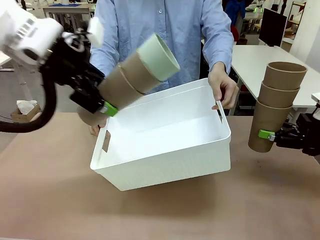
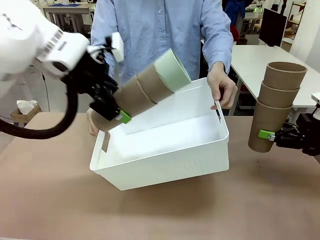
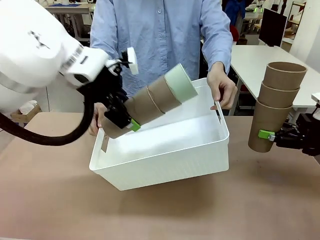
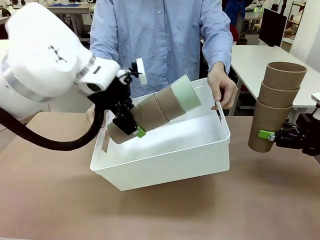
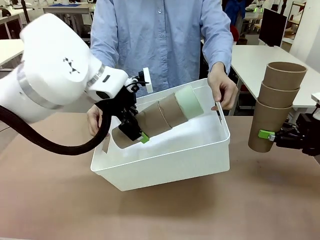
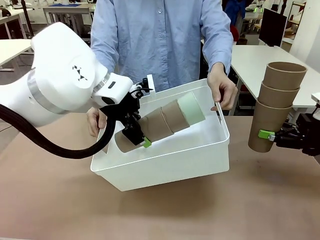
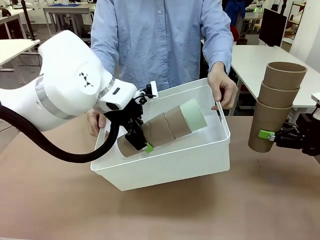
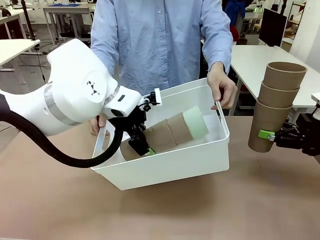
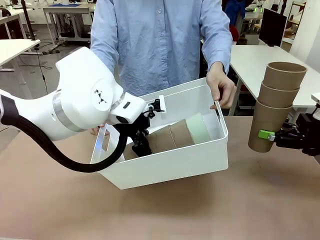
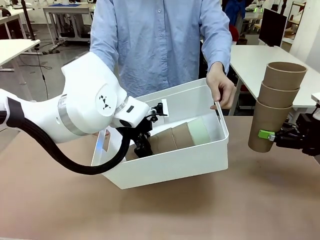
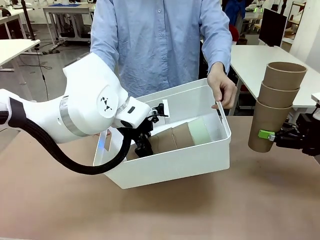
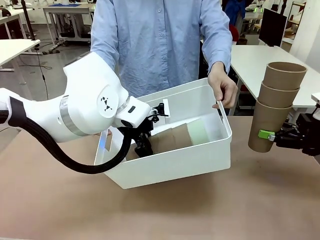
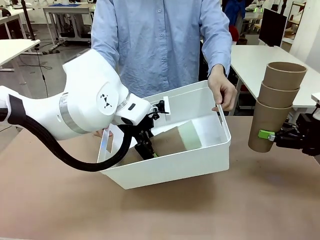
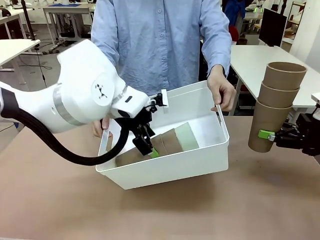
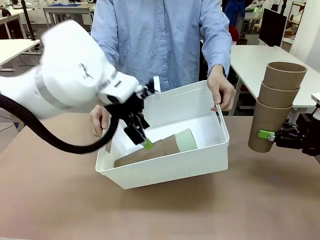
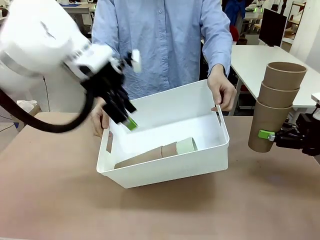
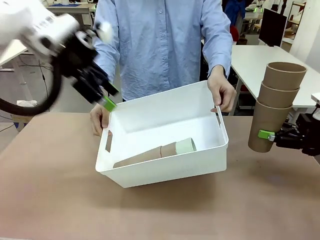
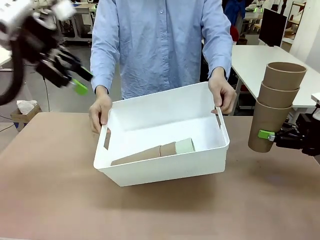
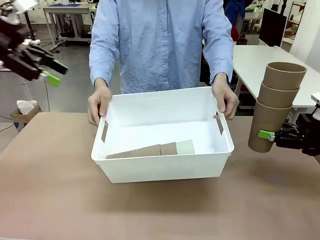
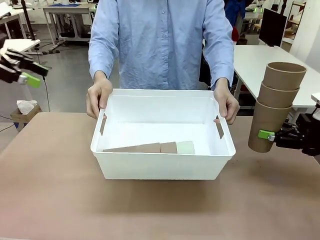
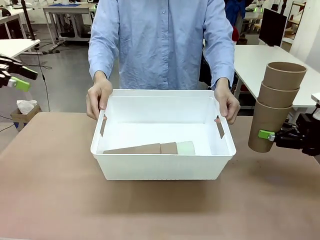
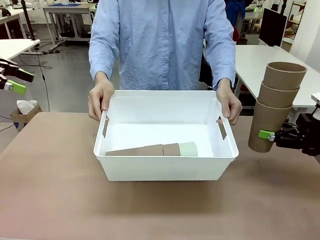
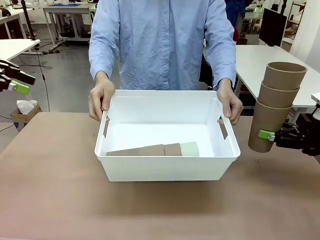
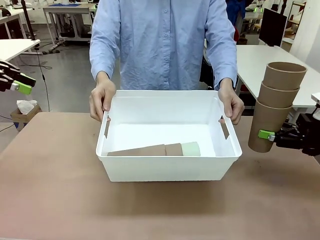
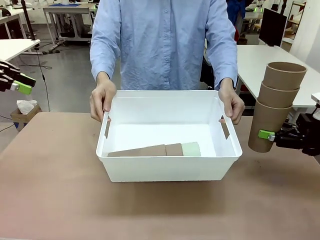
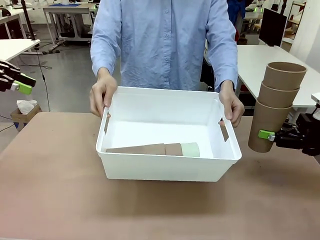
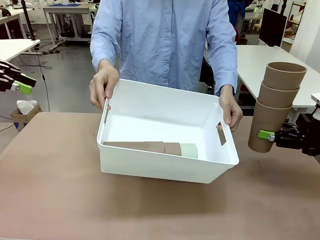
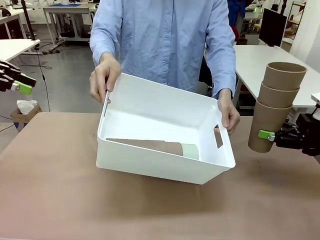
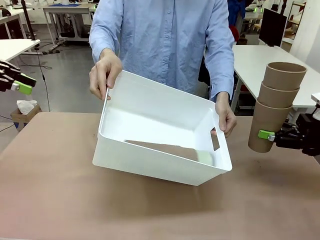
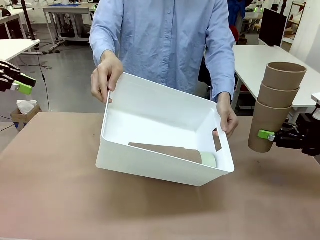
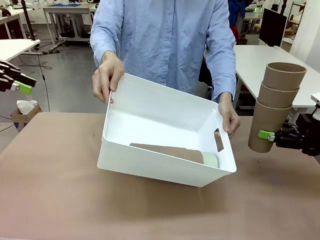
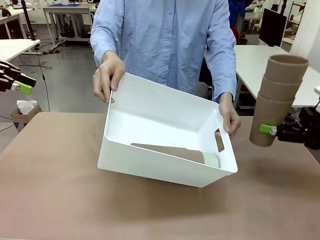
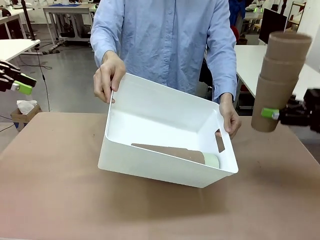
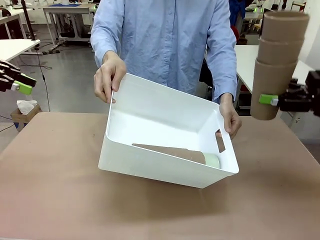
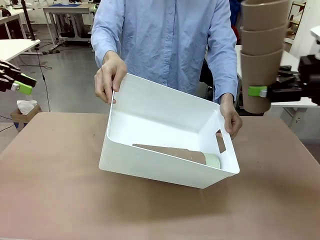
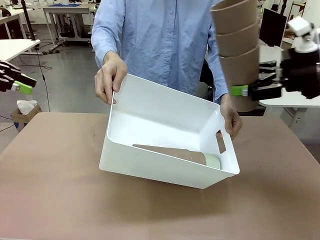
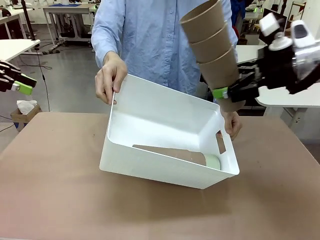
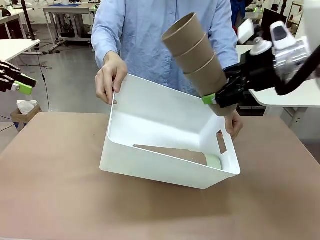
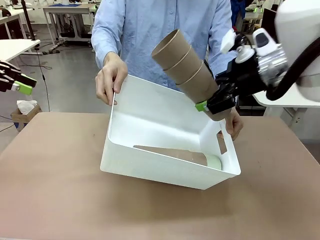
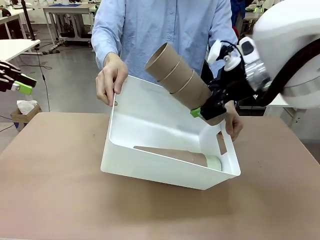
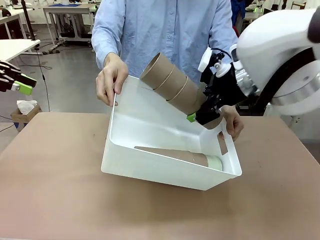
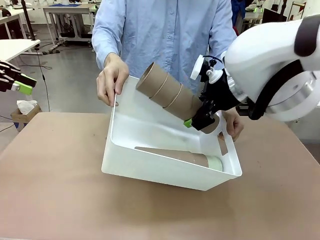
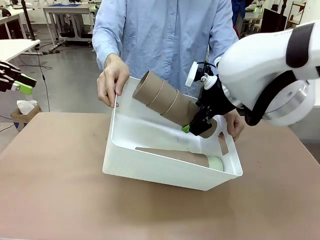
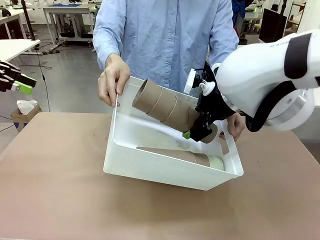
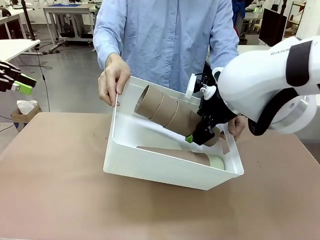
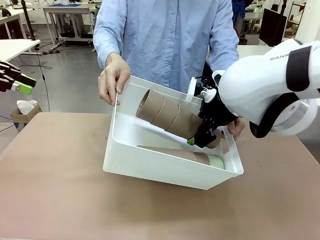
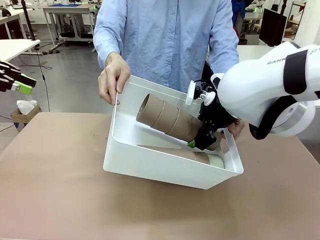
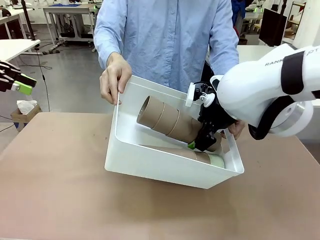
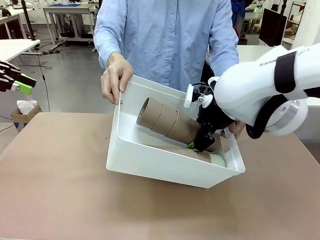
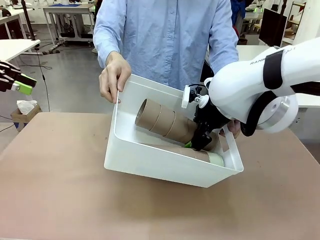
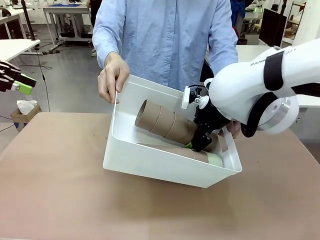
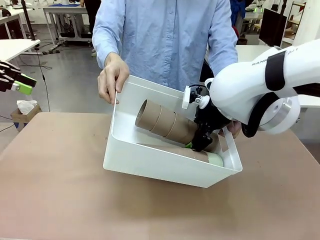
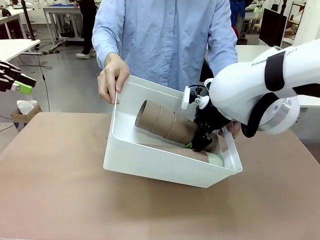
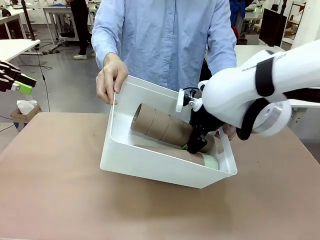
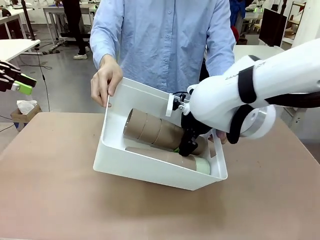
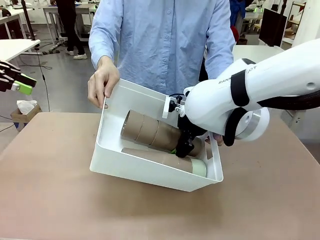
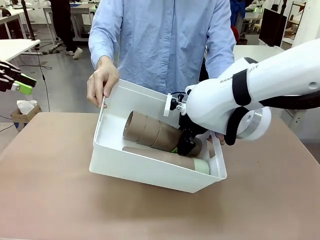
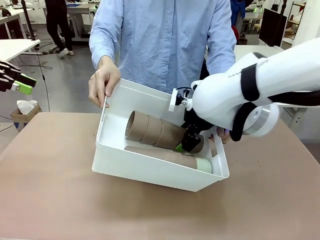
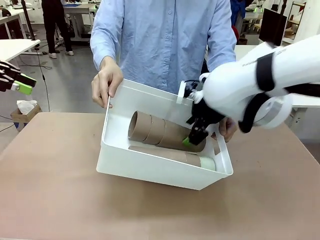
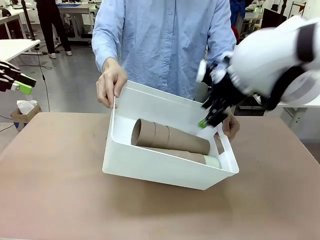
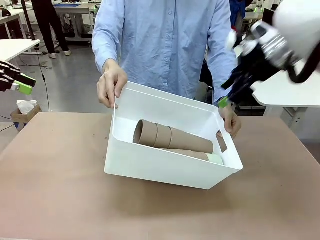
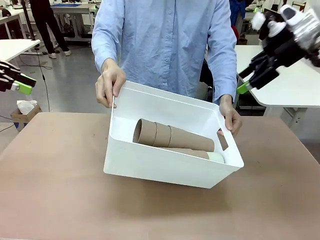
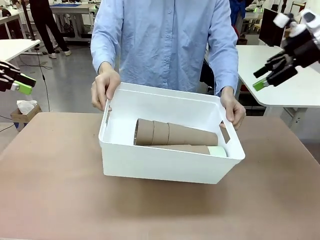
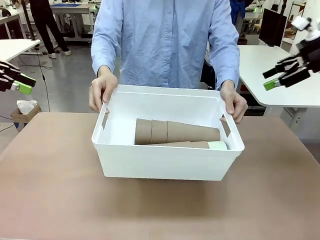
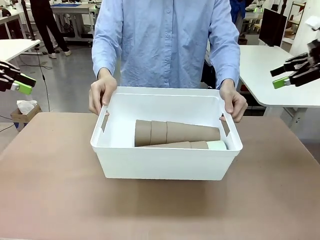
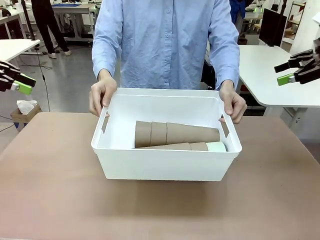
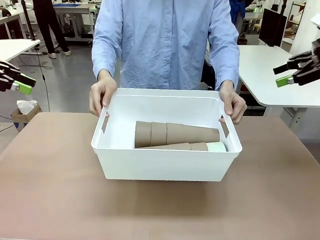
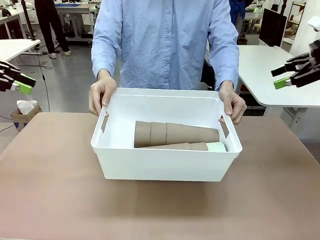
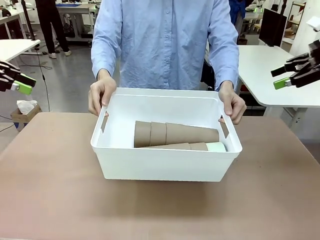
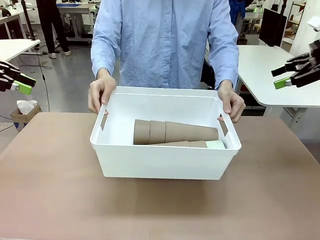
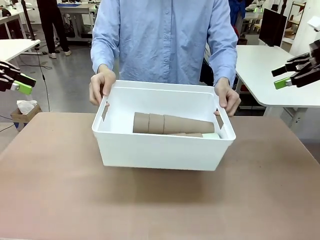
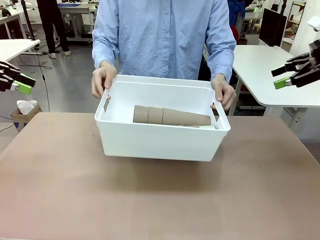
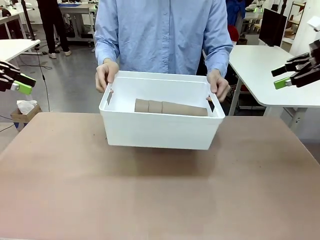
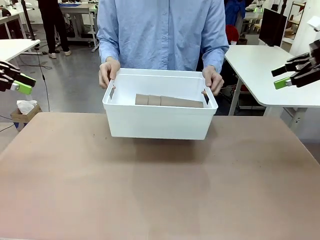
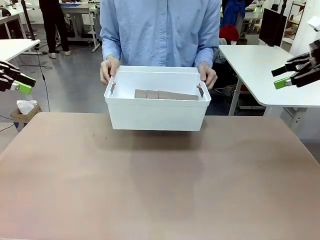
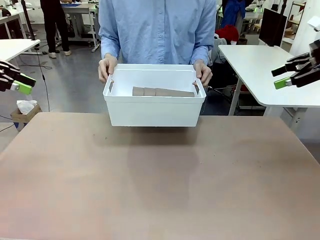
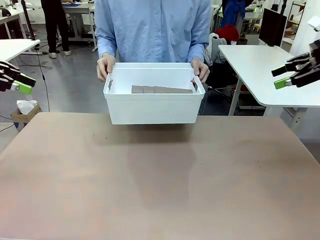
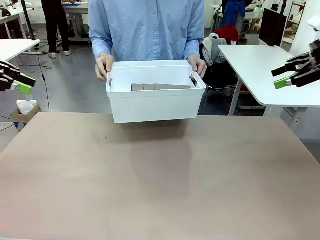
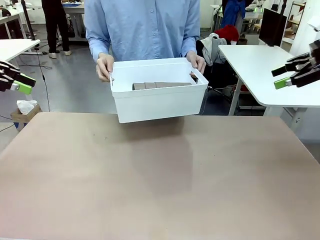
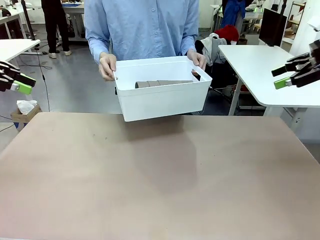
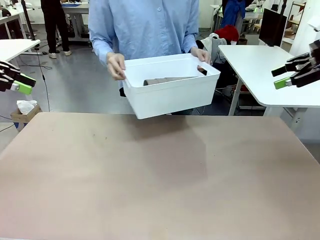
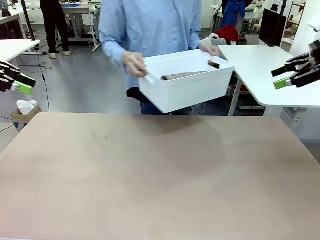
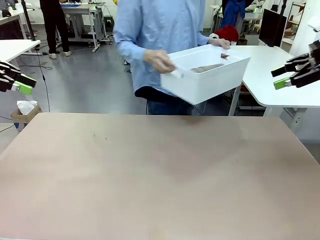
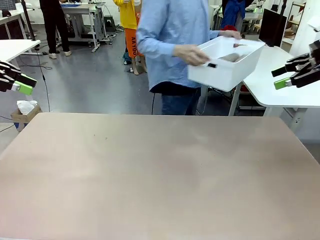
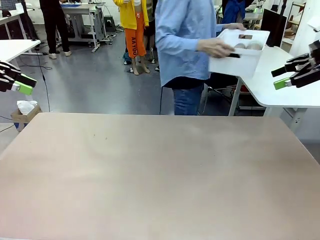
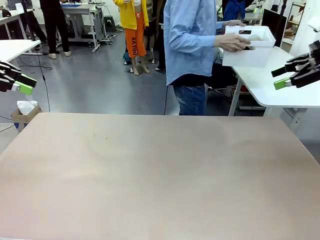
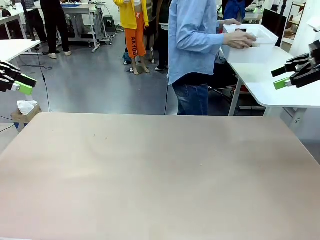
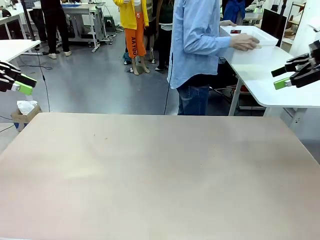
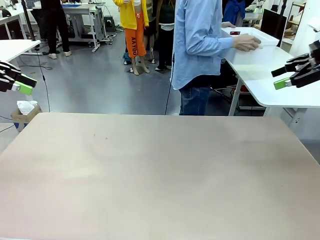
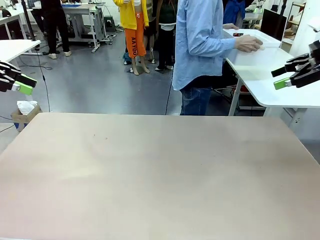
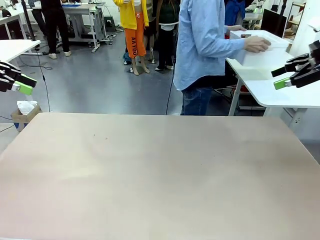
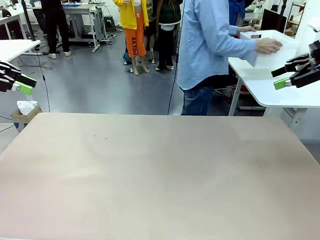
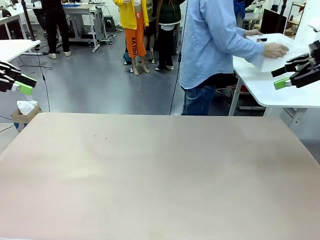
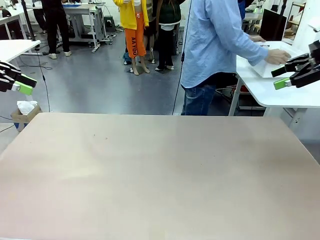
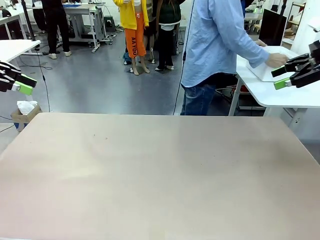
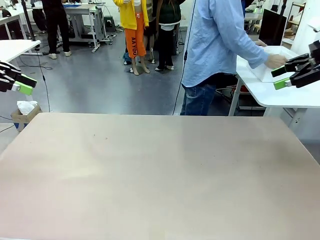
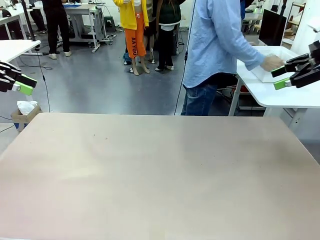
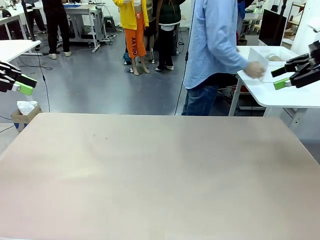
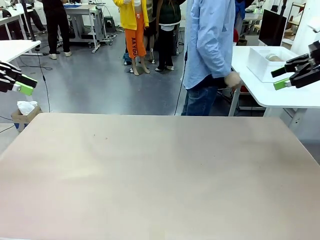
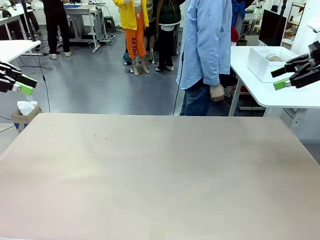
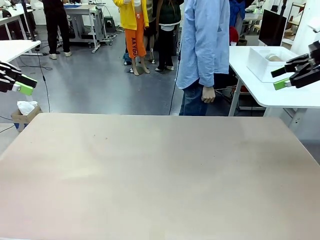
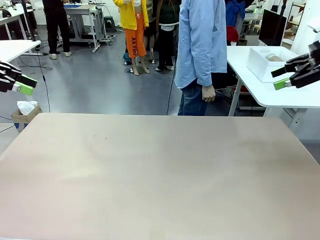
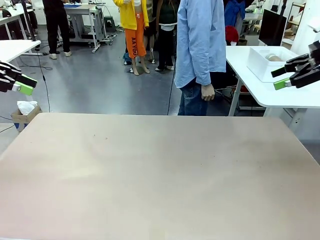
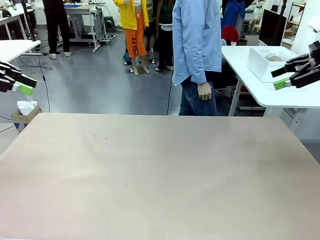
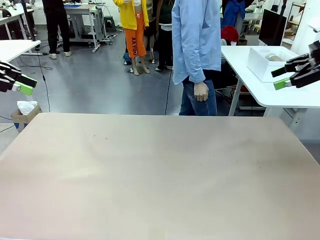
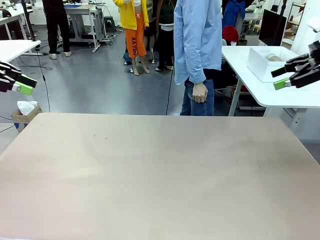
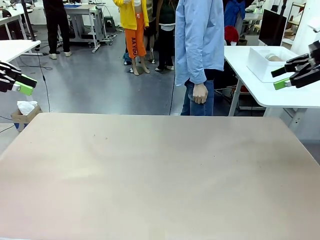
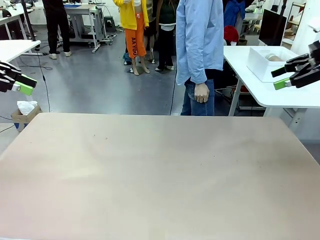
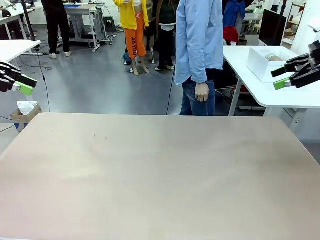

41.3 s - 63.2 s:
Task: Stack the cups and store them in the basket.
Robot: Place the stack of Reusable plastic cups into the Pantry Basket.
Person: Place the basket containing the cups in the middle of the Human Table.
